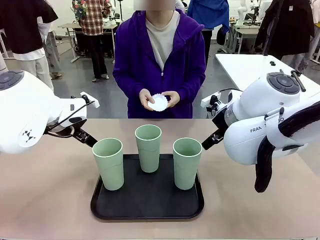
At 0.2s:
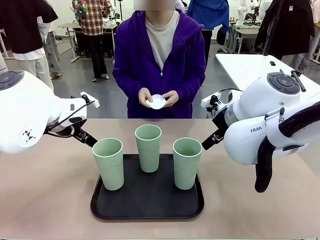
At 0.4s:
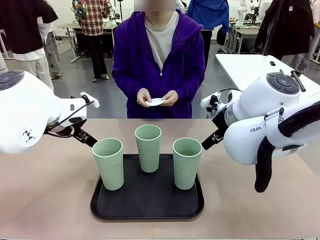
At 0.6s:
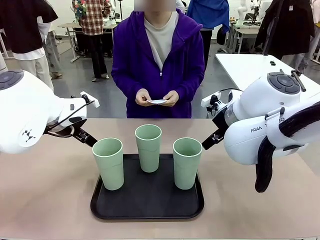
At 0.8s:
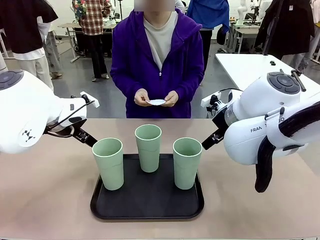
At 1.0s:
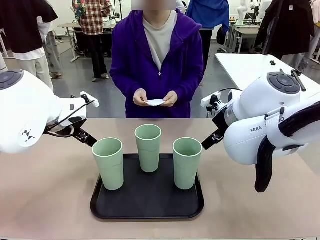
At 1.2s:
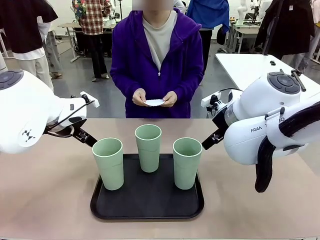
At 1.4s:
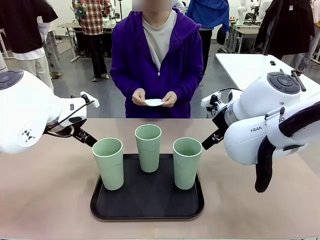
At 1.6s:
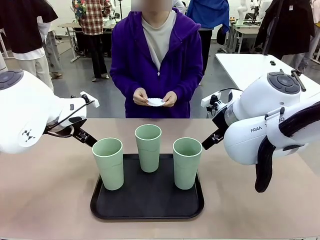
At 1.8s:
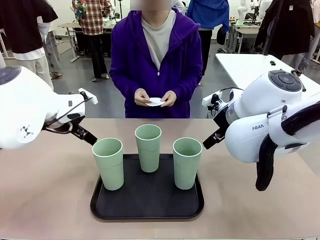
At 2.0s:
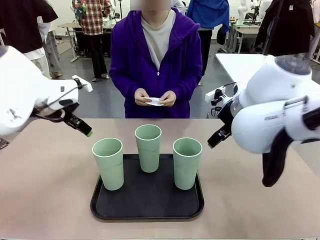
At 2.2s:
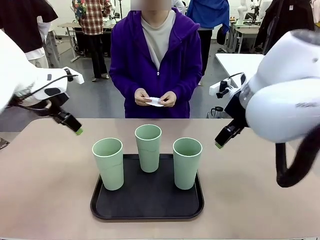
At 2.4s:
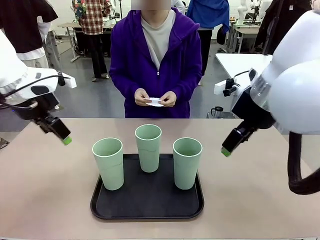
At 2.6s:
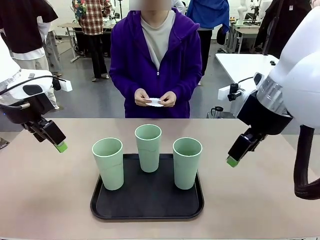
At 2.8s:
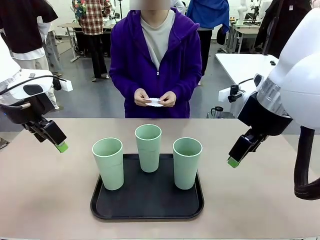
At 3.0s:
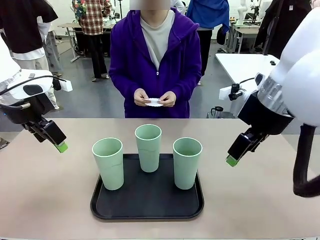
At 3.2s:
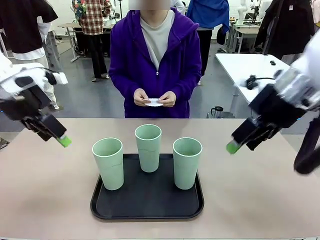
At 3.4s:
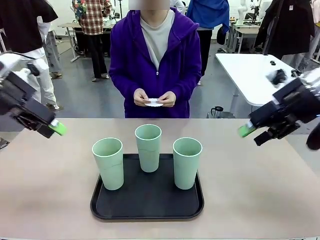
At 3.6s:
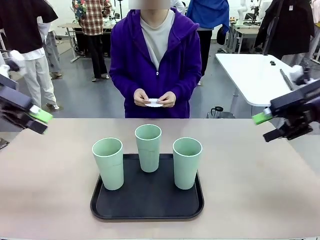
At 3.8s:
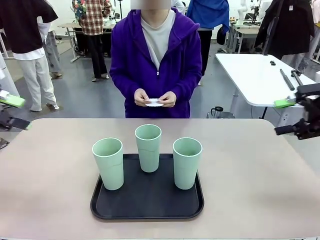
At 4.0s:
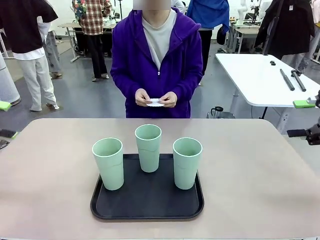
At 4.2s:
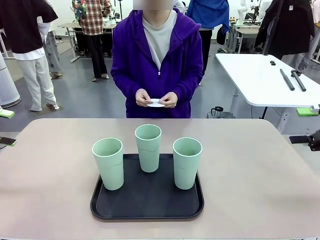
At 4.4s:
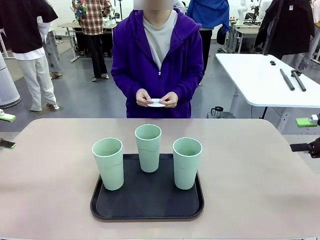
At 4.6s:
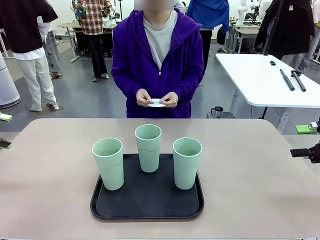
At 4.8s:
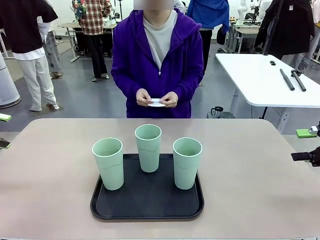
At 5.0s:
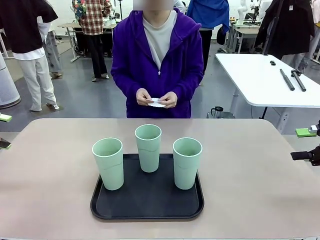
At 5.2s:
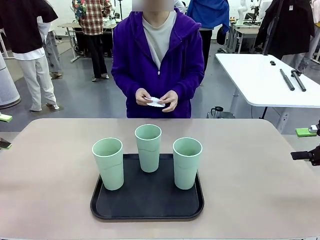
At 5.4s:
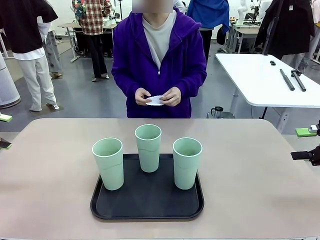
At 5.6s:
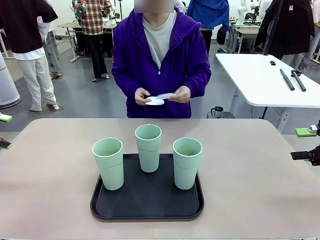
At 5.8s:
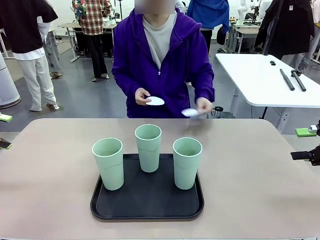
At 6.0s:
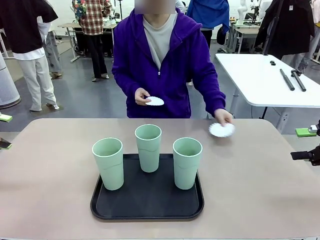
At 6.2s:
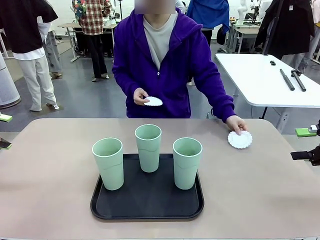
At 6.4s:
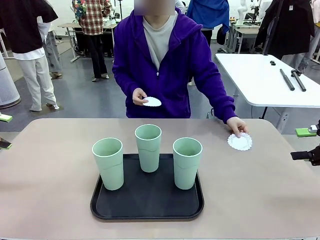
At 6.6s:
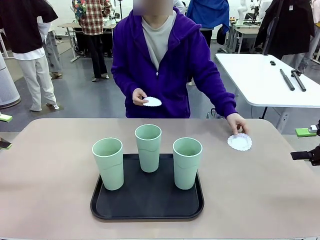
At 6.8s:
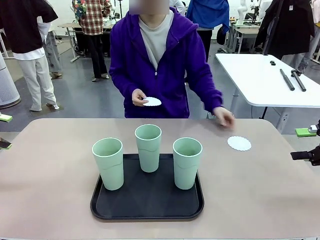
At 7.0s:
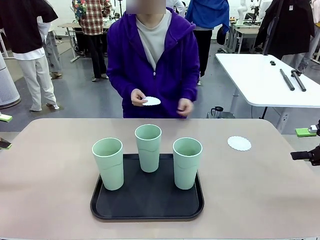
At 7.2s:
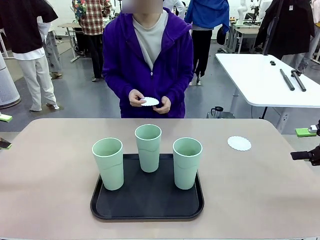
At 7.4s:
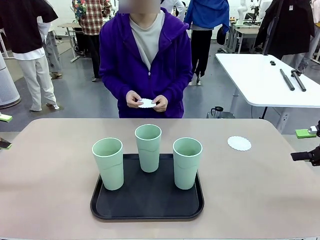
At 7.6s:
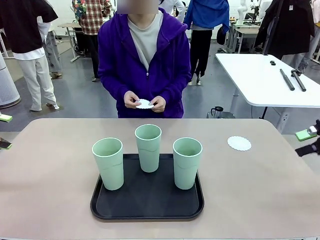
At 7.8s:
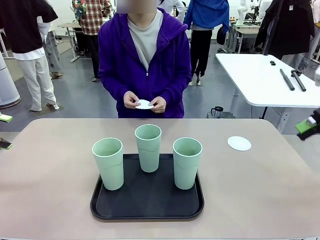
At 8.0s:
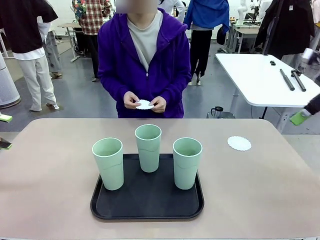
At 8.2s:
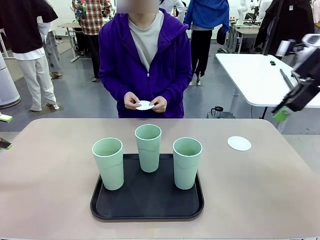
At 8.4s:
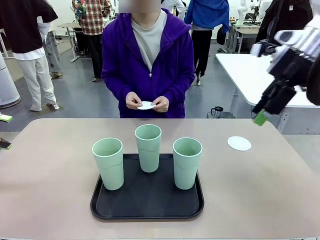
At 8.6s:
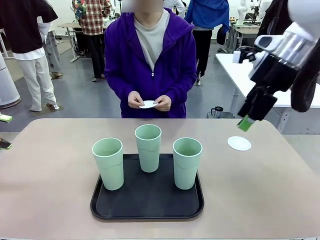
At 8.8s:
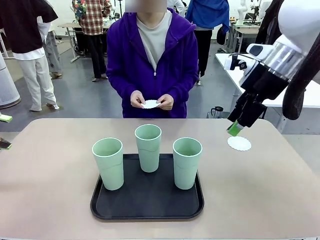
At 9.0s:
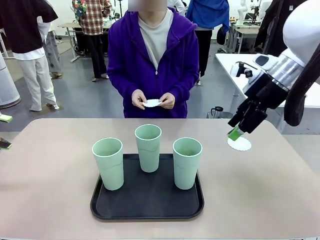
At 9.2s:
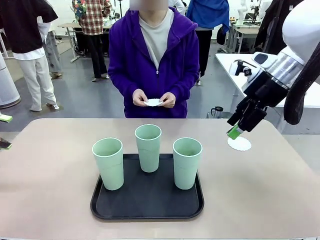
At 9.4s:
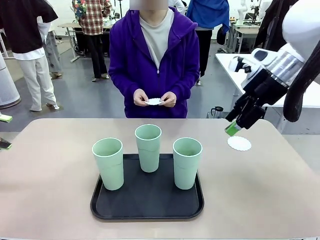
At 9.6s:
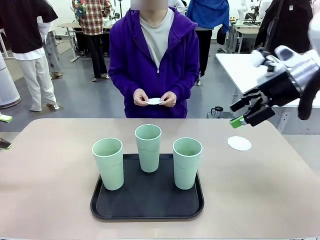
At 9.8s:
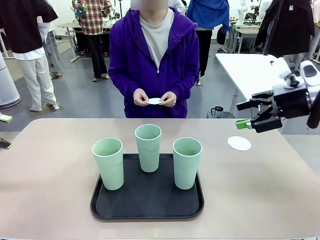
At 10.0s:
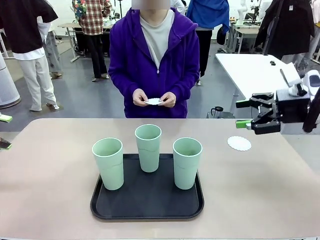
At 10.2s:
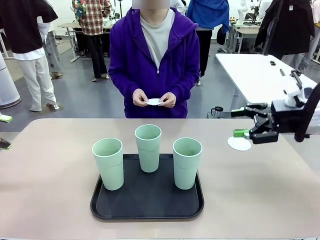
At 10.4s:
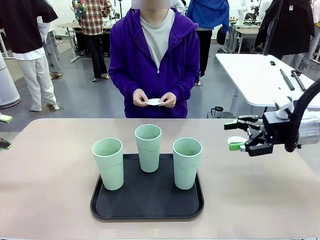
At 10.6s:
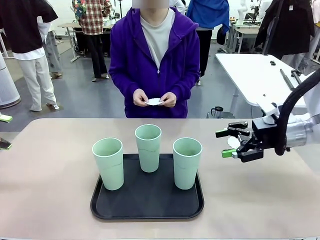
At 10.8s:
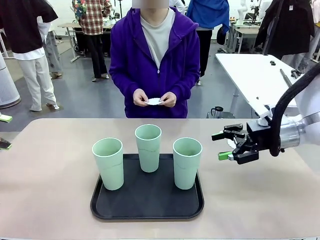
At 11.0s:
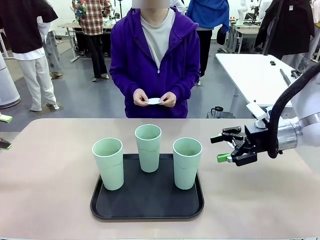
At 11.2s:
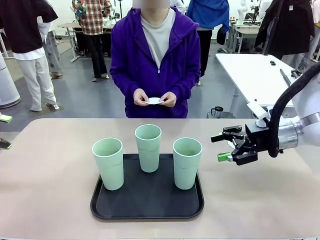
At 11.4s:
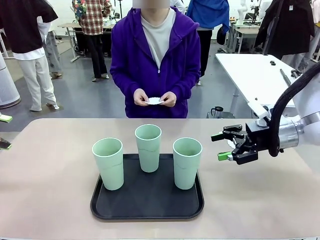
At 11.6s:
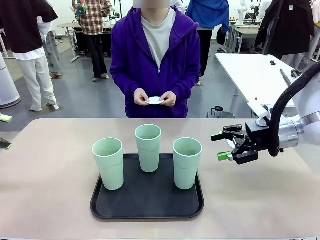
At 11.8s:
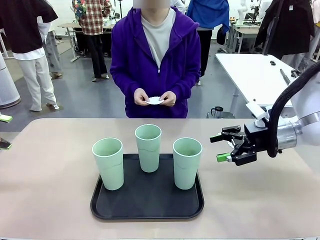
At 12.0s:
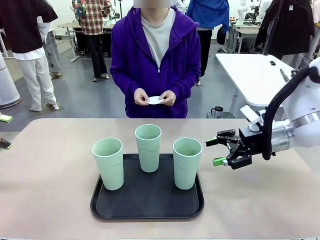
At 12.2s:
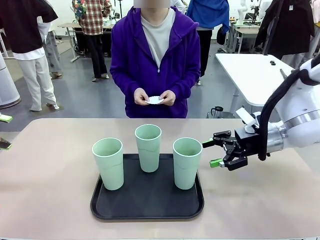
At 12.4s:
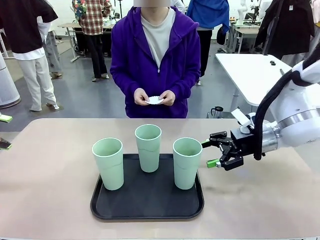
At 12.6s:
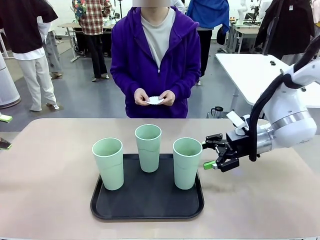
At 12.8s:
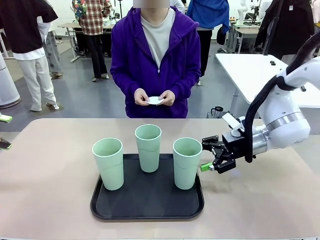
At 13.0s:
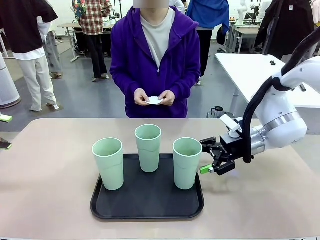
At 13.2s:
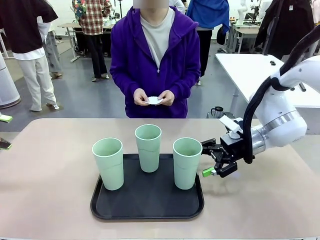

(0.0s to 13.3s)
Task: Place coasters on the table and set cups on them.
Robot: Pick up one Reusable plastic cup and place it on a coaster set by the human.
Person: Place one coaster in any one of the three lower areas of the robot table (left, center, or right).

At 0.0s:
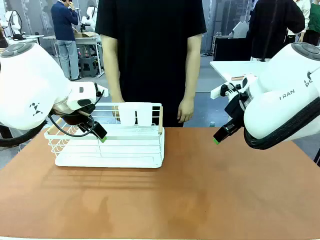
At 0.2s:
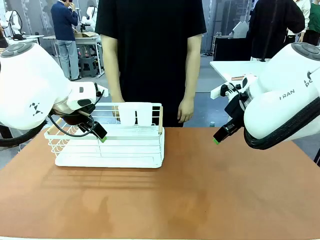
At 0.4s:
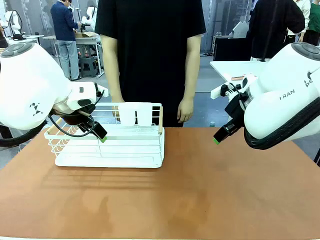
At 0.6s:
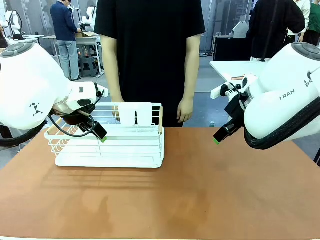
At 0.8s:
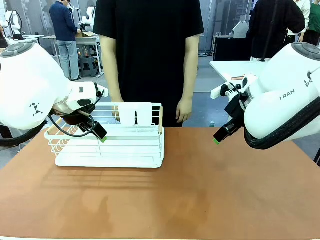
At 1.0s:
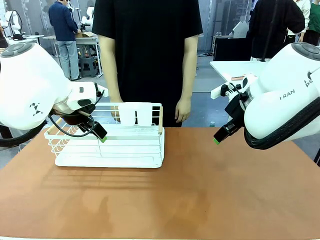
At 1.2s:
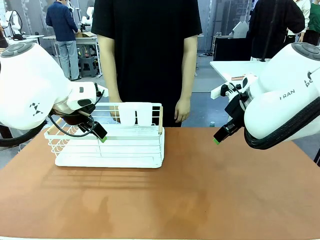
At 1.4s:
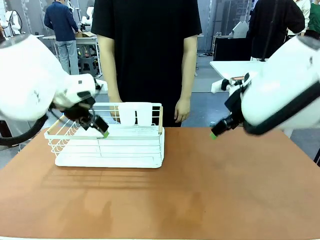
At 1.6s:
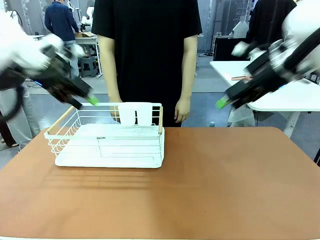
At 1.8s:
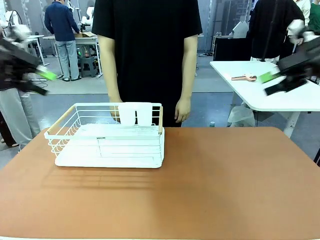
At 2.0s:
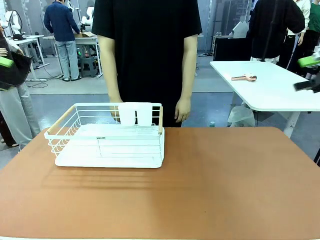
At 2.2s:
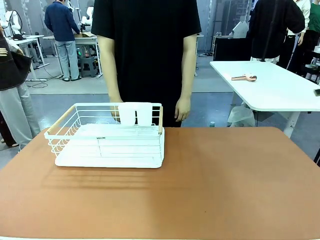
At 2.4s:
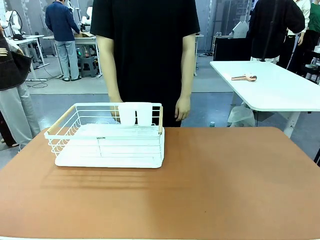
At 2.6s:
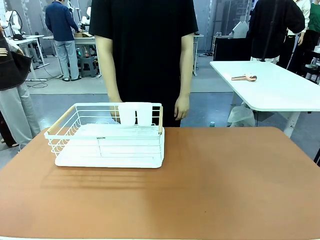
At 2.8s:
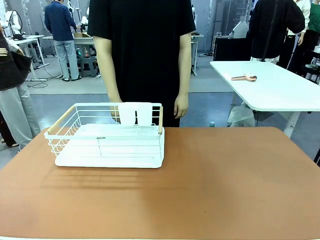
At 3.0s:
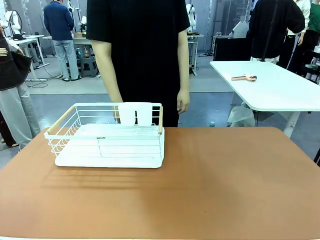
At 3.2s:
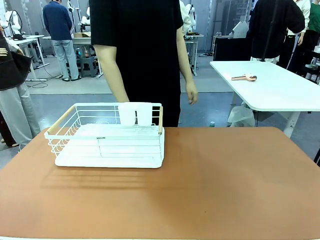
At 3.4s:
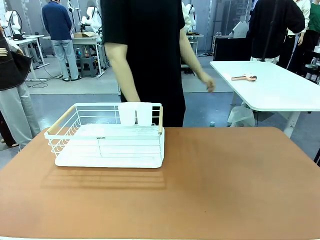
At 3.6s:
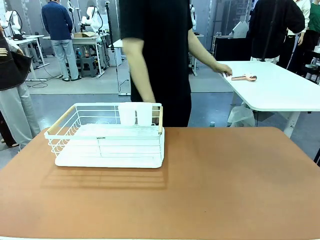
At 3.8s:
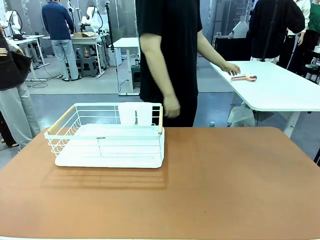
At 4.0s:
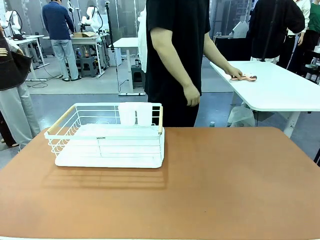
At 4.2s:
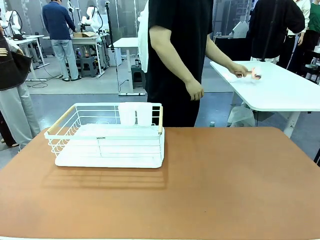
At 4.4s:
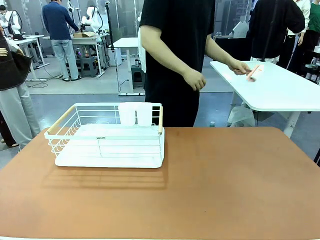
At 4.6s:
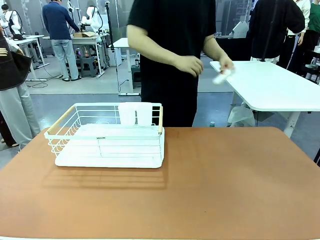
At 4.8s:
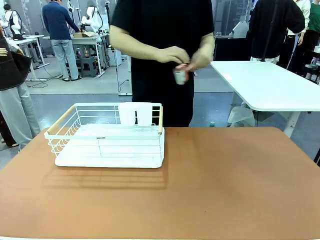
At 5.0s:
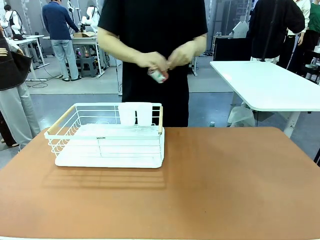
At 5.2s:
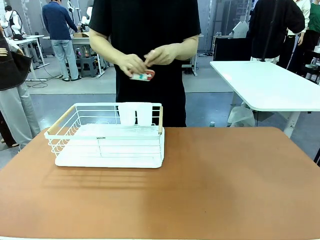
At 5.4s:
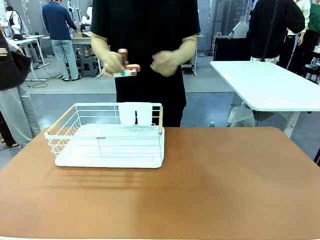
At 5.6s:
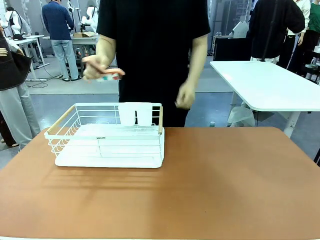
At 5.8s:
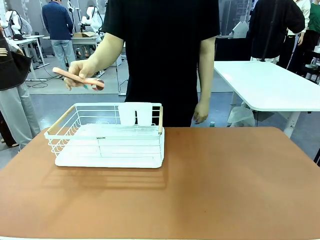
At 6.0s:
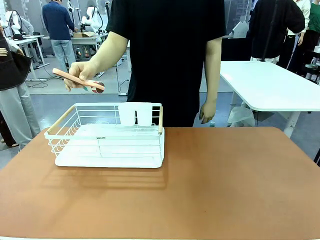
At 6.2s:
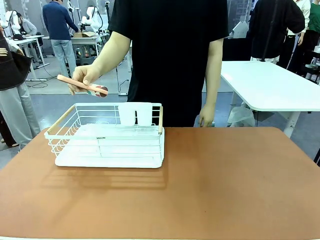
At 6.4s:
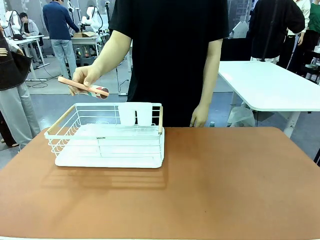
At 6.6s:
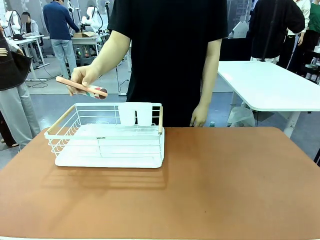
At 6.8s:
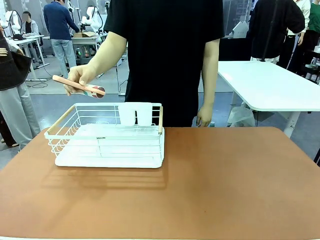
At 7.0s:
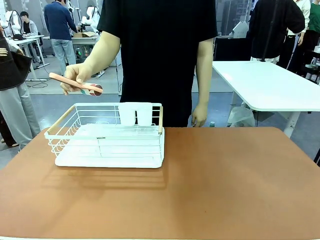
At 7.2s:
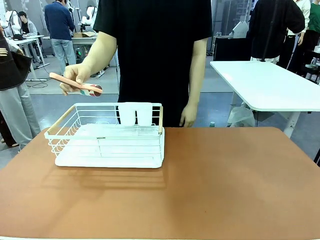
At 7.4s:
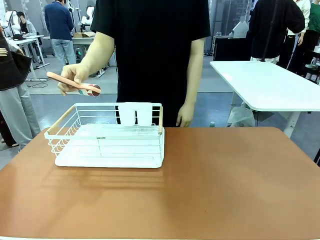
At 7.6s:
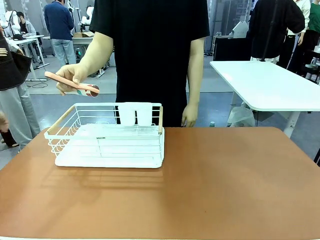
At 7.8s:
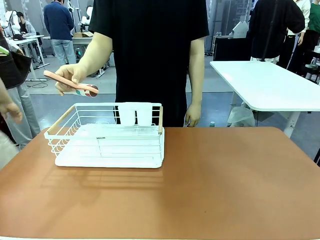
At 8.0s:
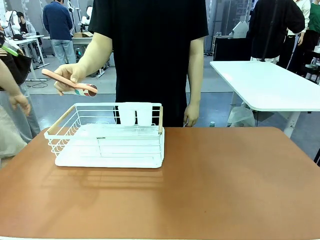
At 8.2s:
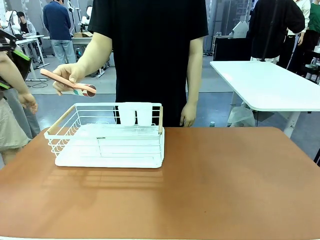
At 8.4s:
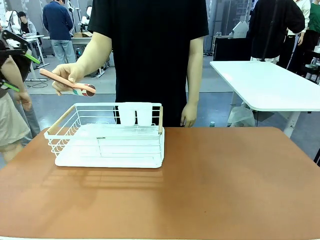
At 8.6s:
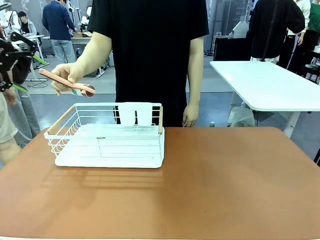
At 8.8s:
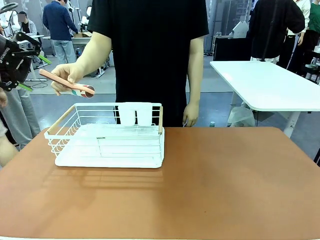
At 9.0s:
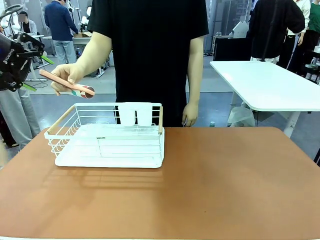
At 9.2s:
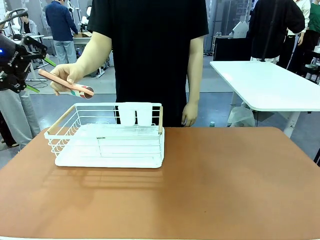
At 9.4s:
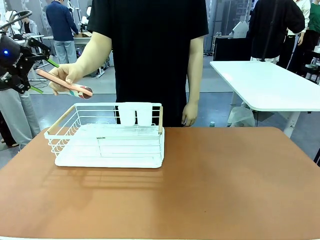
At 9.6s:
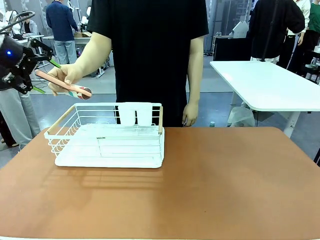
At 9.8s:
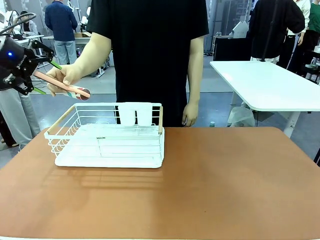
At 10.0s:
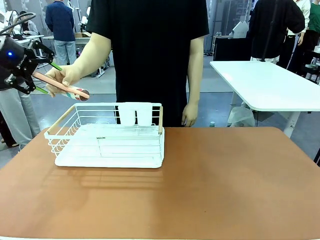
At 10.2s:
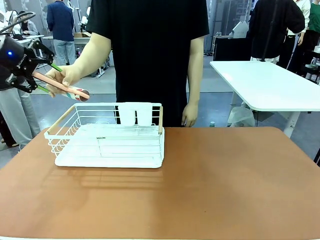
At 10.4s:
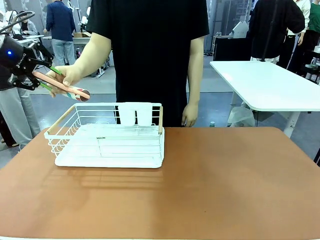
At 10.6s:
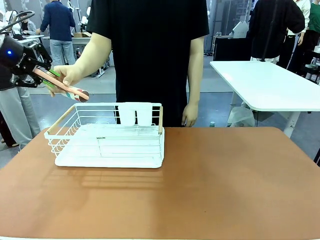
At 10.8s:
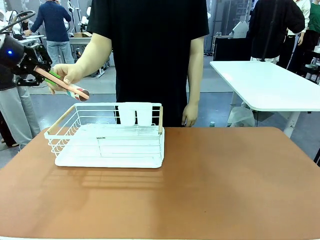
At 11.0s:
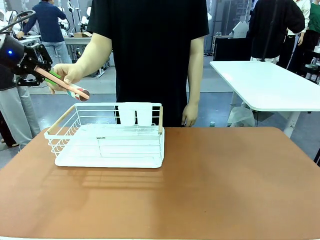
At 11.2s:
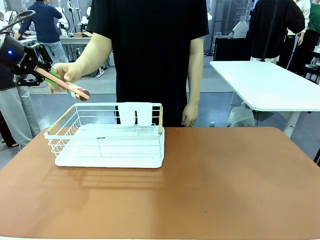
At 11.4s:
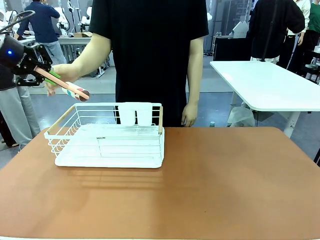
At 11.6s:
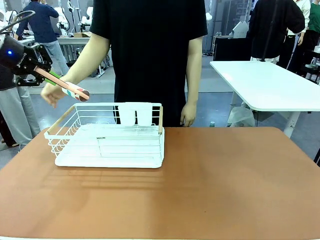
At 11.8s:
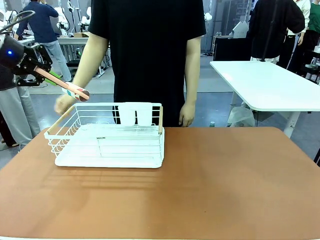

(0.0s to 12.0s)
Task: Clean the table.
Robot: Pick up the Lint Roller when the human hands it over.
Person: Hand the Lint Roller to the robot so it can easily pick it up. Lift the Dish drying rack.
